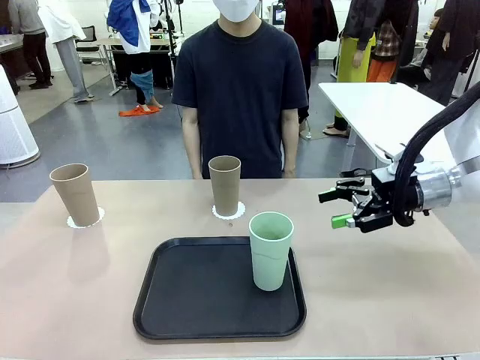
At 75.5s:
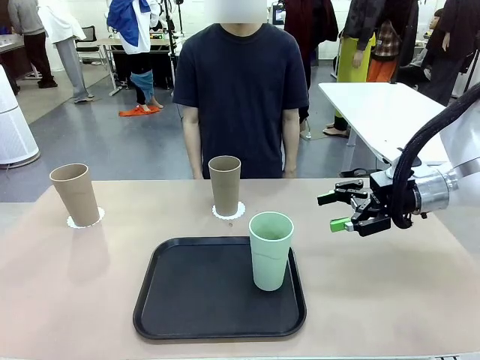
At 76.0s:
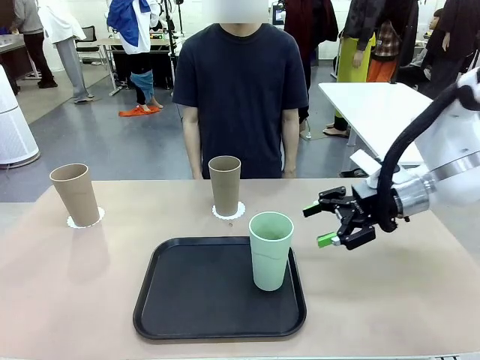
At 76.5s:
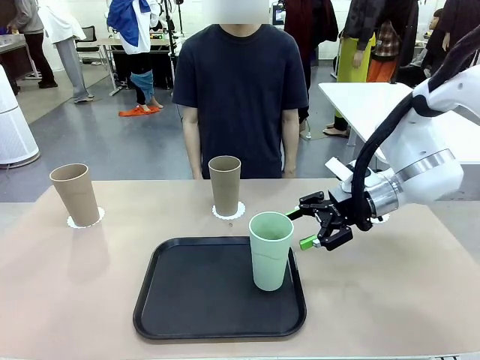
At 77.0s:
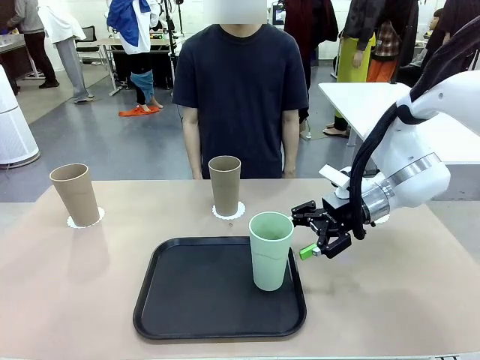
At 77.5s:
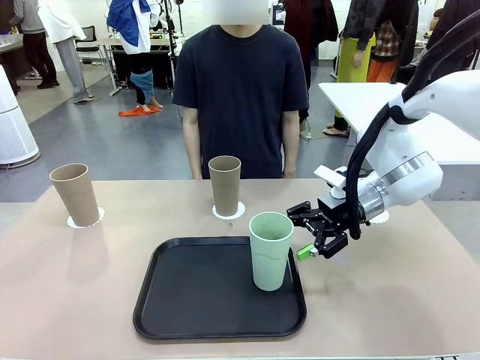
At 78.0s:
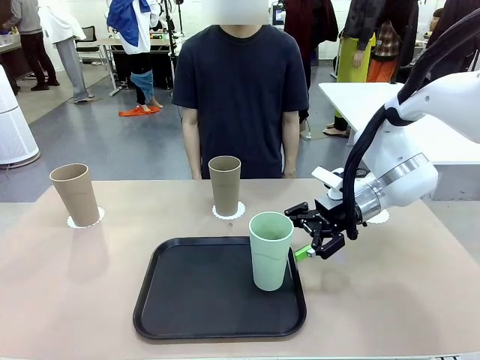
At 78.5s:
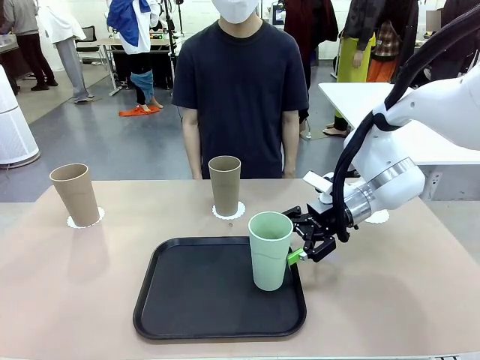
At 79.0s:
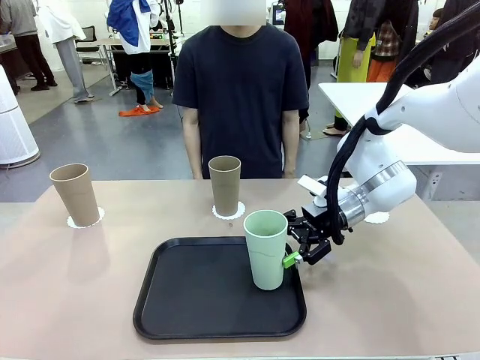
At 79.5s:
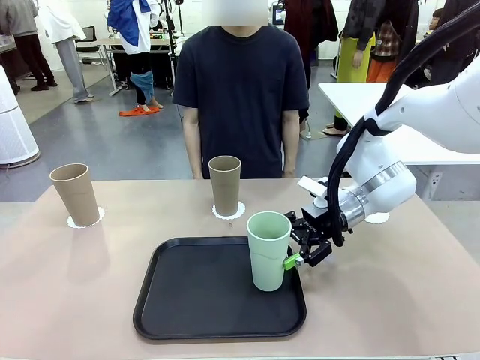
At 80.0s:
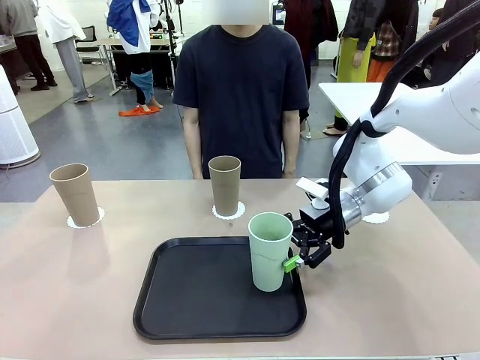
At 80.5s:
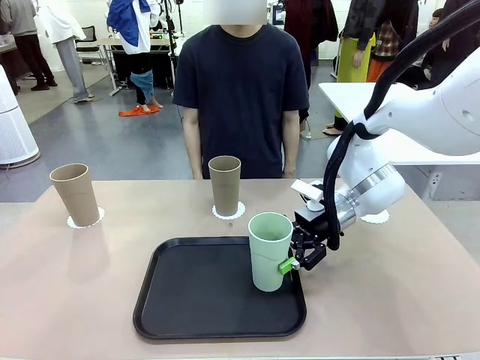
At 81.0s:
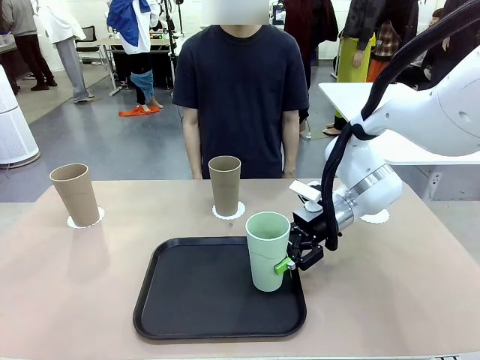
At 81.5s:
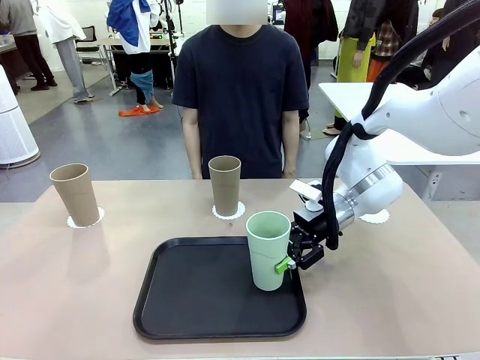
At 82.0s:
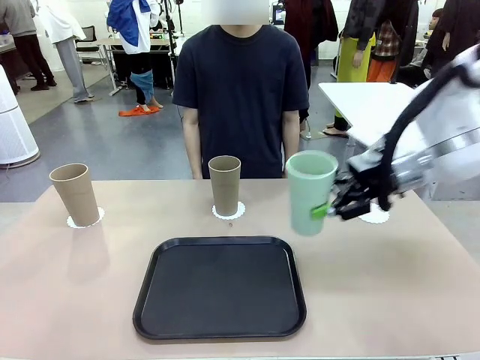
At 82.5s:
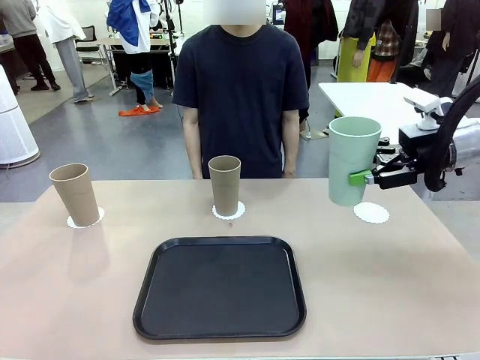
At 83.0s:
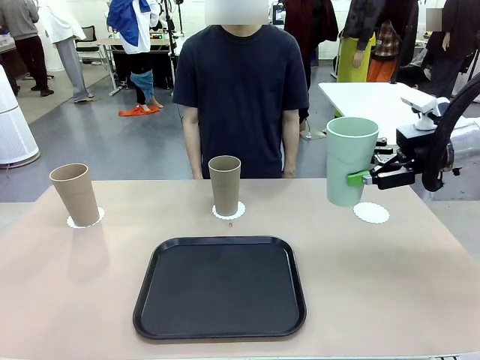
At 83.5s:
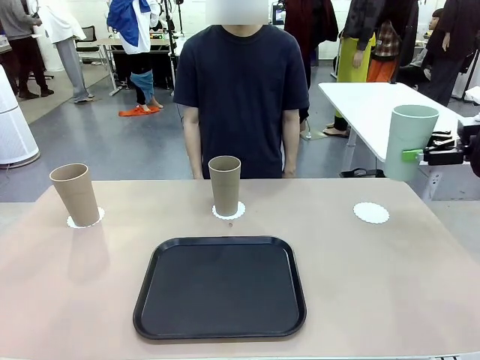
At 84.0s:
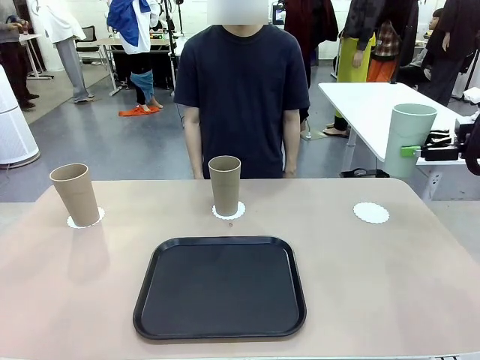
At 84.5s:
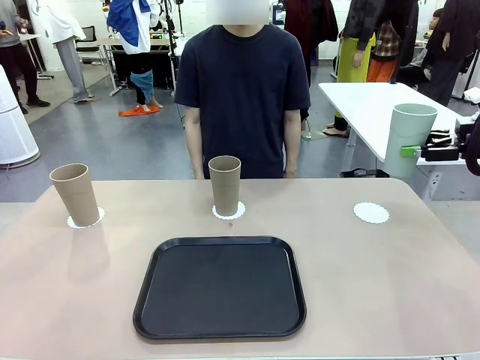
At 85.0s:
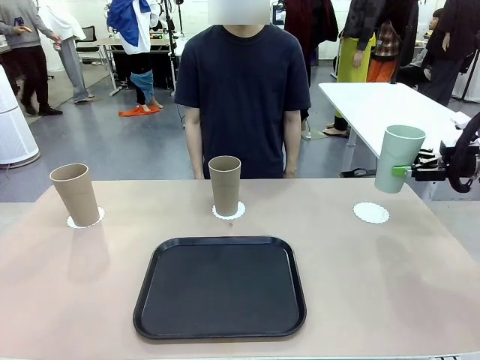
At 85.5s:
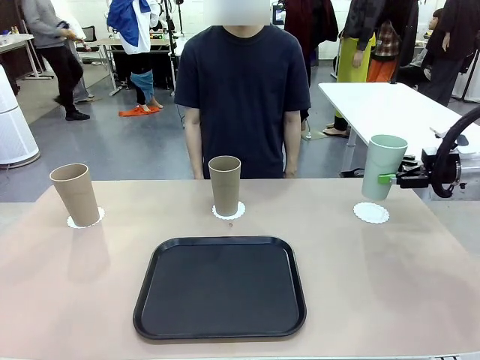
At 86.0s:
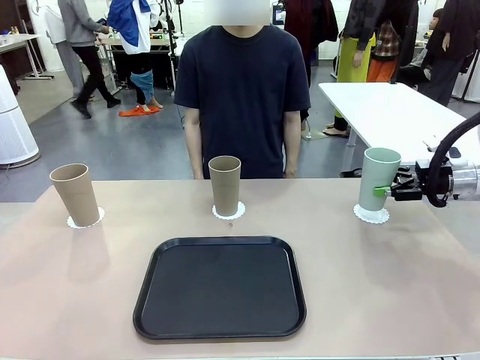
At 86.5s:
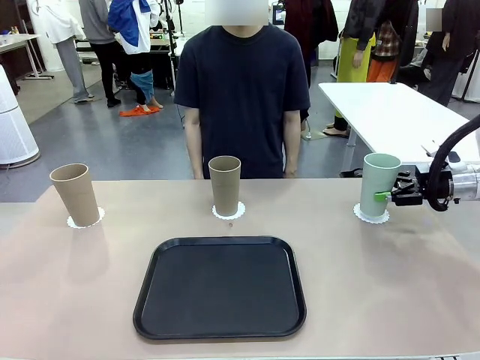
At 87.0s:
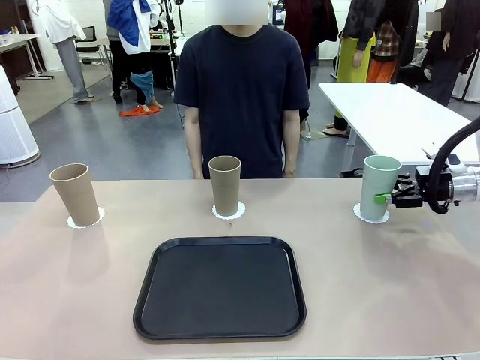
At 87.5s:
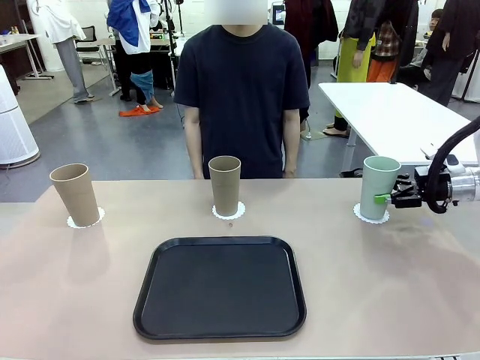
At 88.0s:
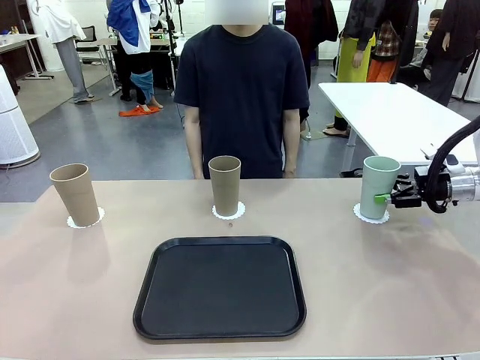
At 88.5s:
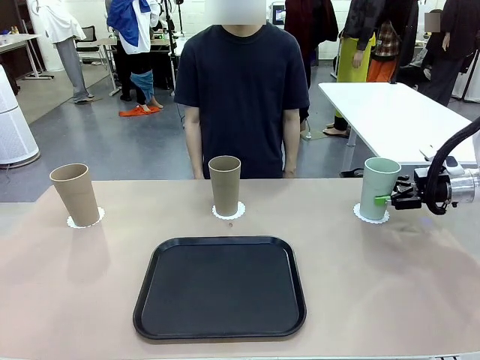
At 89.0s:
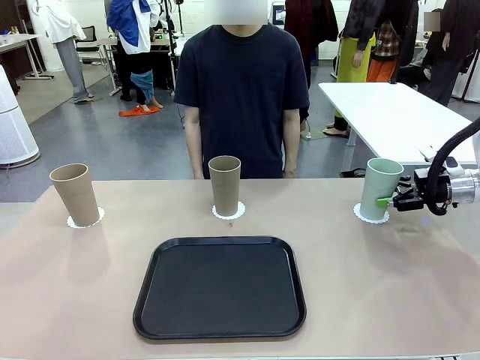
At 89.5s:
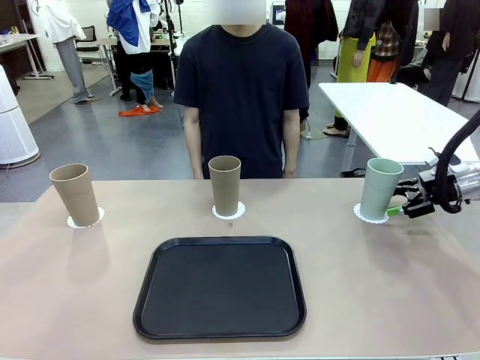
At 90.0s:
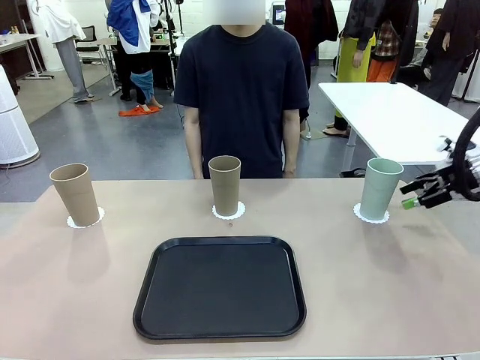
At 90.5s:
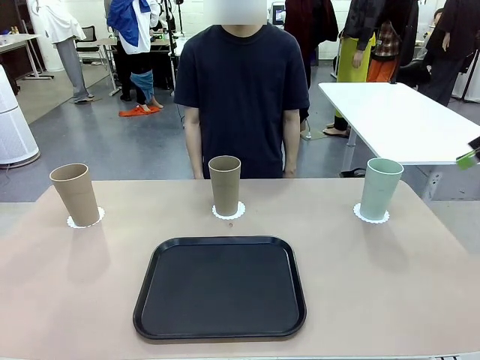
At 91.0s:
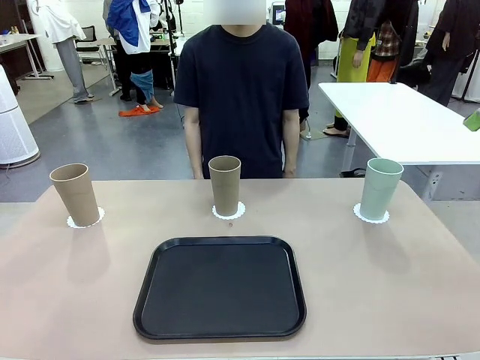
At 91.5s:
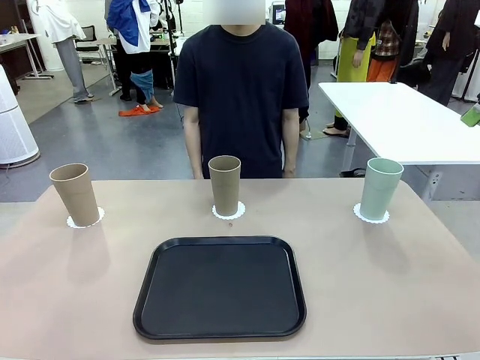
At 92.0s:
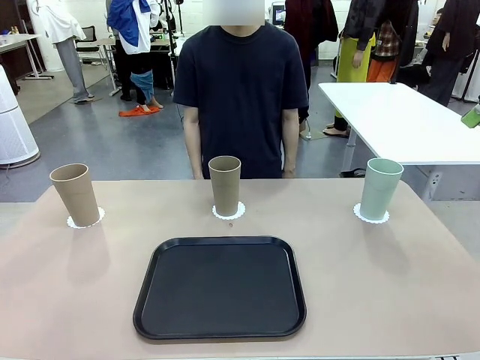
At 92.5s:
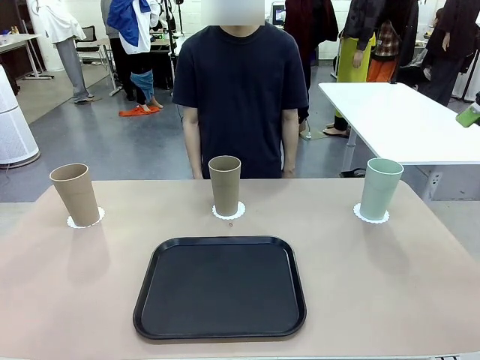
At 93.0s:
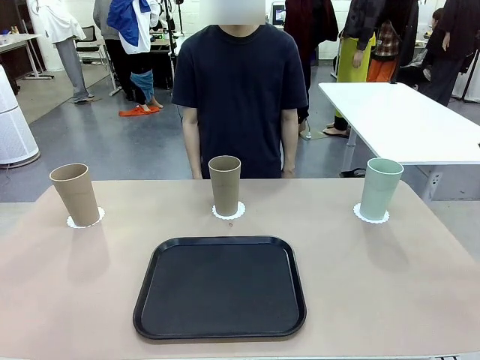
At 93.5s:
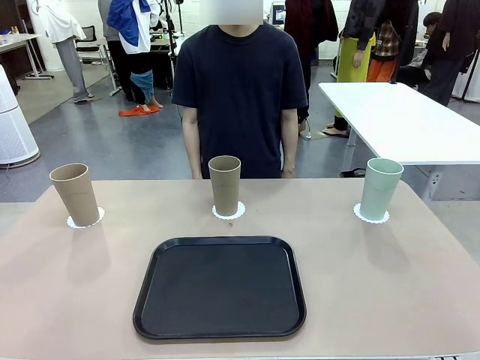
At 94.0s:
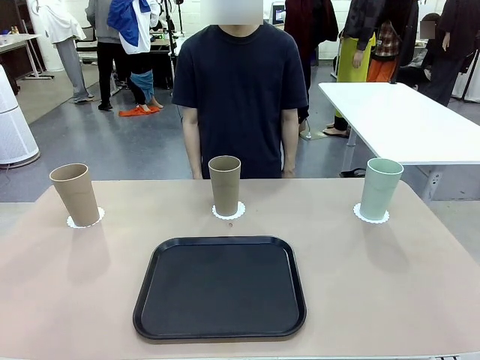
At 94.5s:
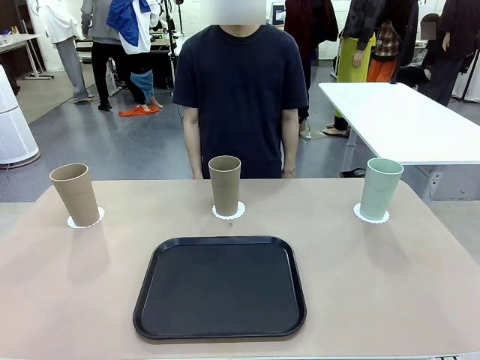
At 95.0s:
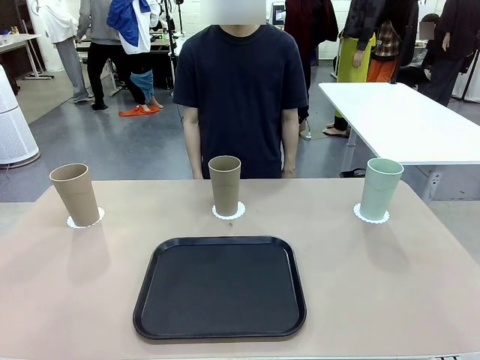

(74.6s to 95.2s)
Task: Place coasters on the table and set cups on them.
Robot: Take one Reusable plastic cup from the Flat Tray and place it on a coaster set by the human.

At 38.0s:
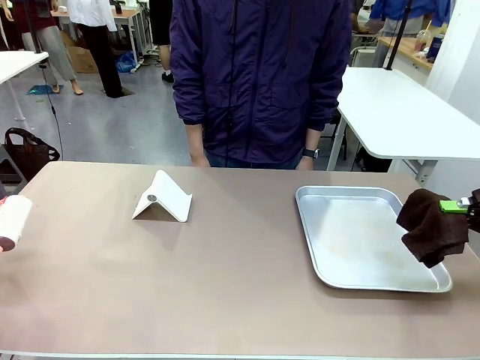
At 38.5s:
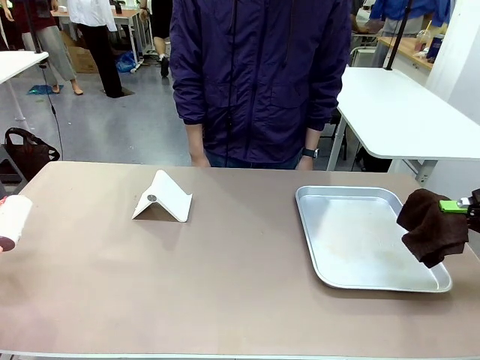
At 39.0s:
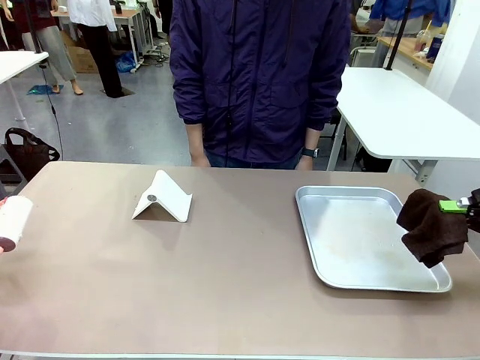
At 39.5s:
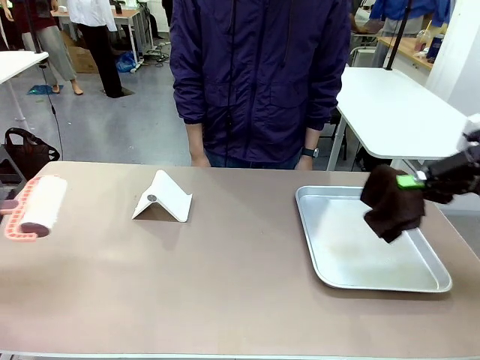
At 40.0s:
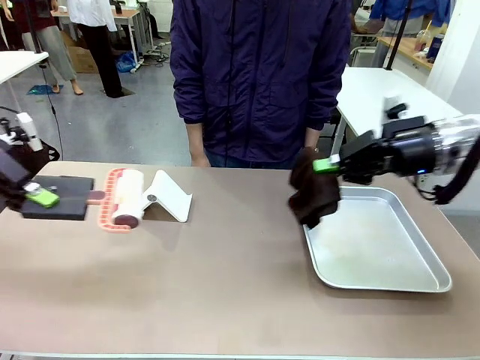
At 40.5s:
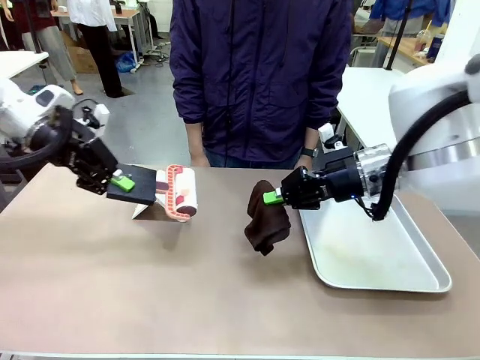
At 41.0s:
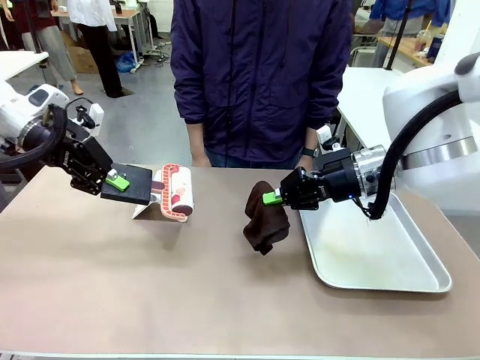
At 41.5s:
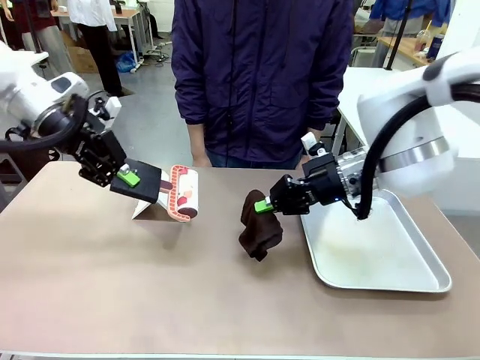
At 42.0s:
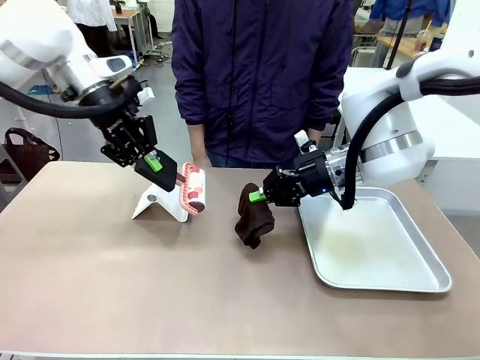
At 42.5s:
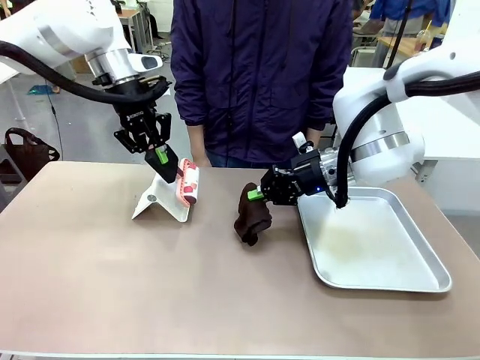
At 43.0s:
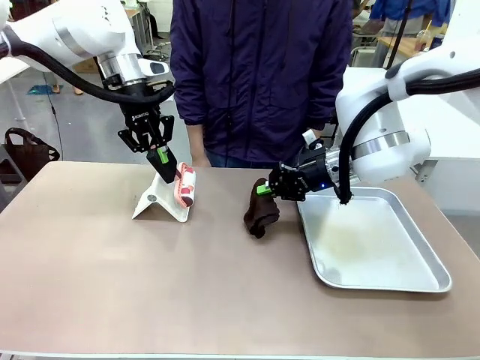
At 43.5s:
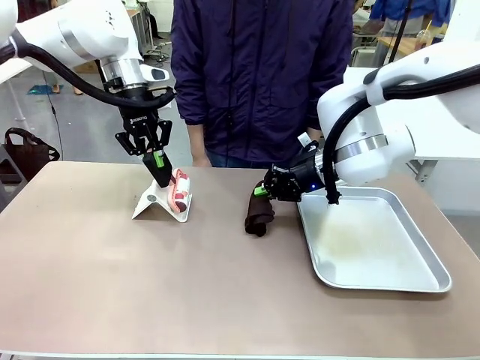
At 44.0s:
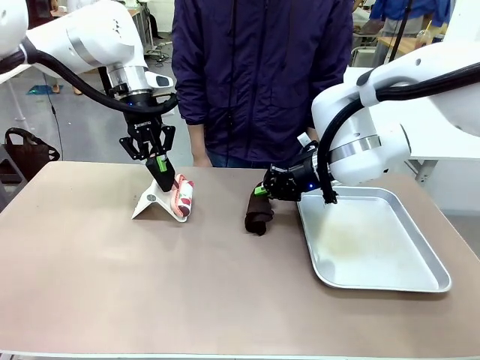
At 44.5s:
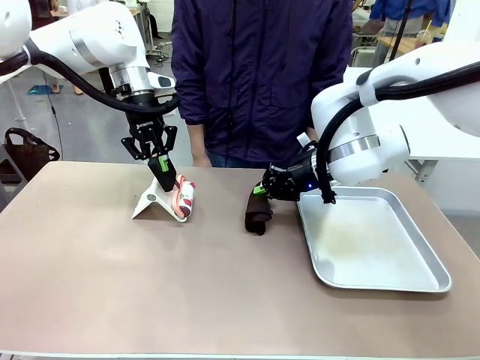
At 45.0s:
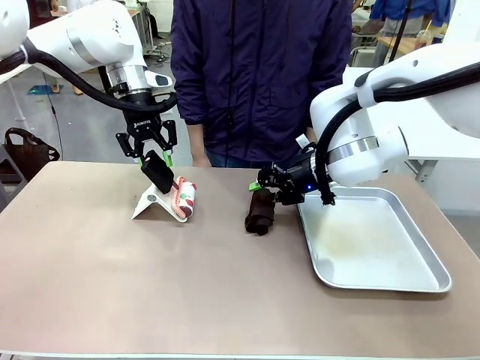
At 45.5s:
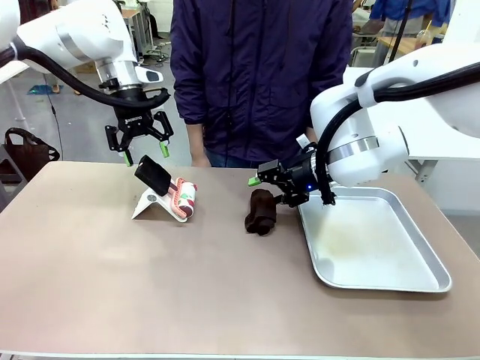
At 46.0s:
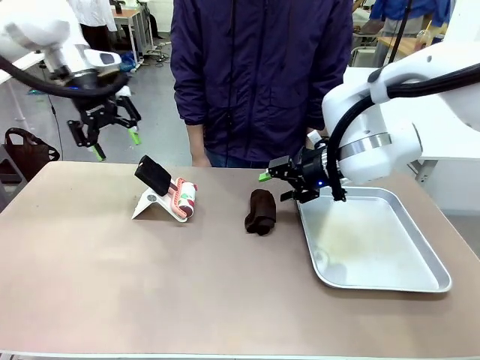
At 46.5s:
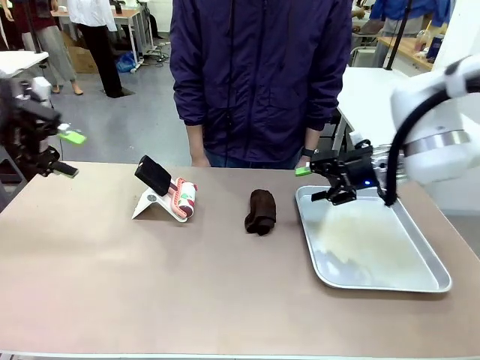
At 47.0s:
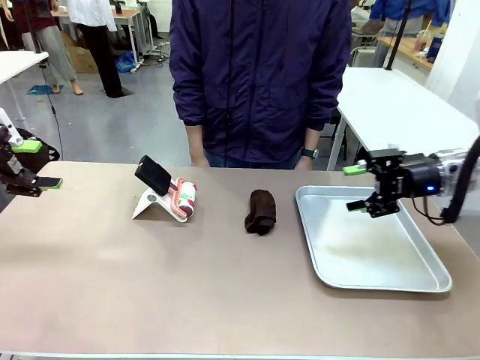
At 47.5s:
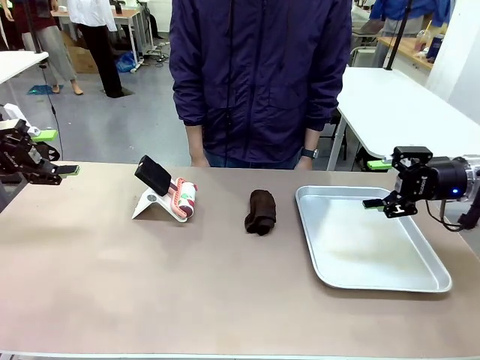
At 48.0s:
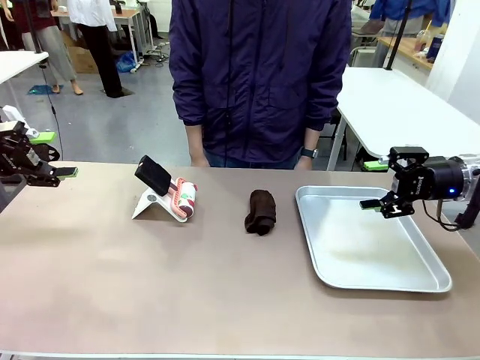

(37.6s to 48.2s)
Task: Clean the surface of the table.
Robot: Return the Lint Roller and towel to their original positions.
